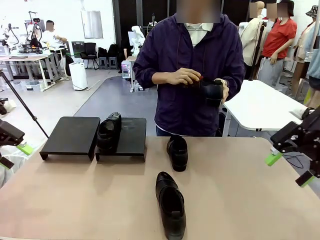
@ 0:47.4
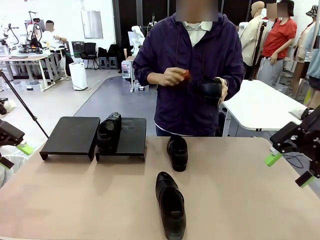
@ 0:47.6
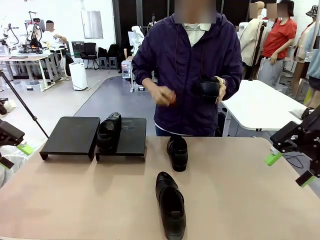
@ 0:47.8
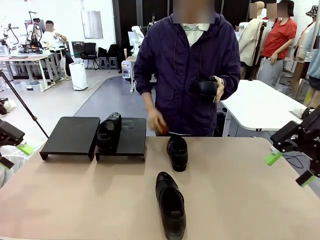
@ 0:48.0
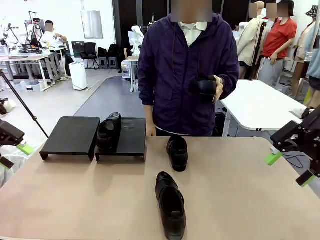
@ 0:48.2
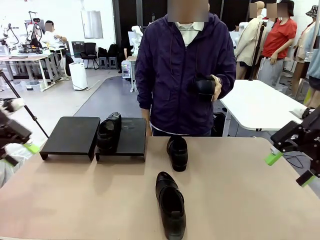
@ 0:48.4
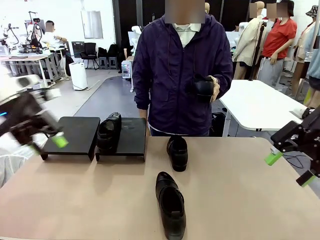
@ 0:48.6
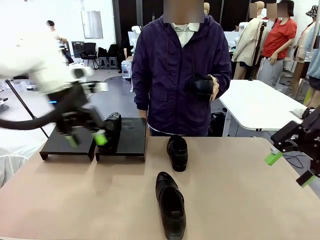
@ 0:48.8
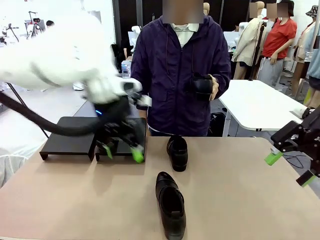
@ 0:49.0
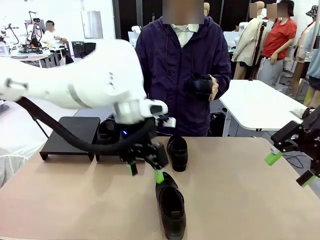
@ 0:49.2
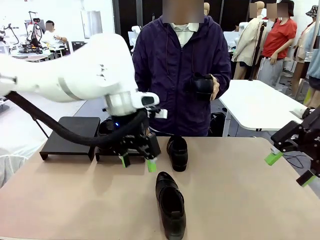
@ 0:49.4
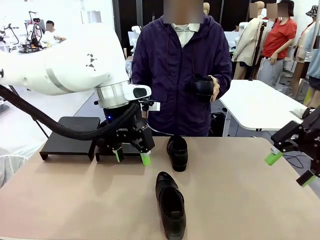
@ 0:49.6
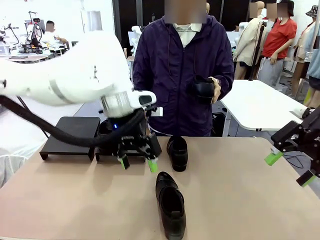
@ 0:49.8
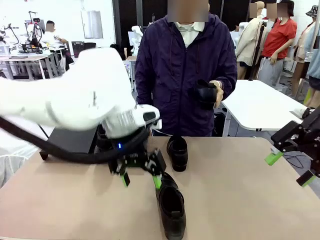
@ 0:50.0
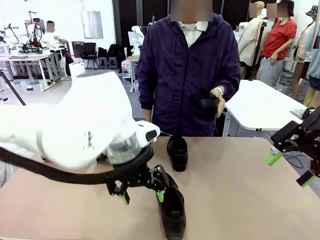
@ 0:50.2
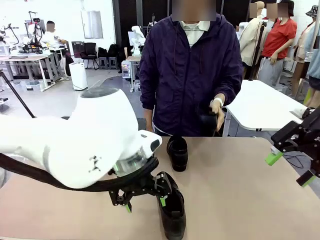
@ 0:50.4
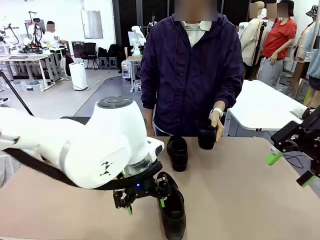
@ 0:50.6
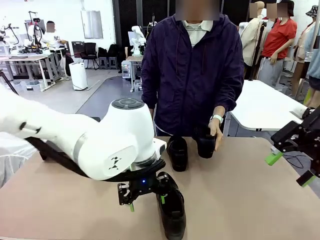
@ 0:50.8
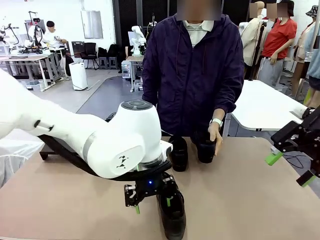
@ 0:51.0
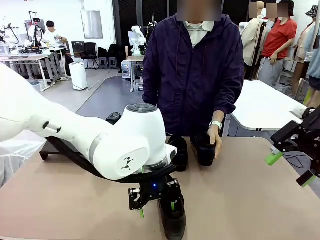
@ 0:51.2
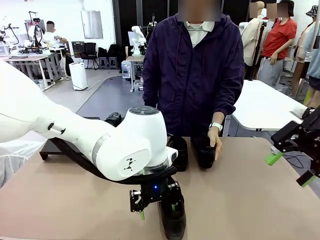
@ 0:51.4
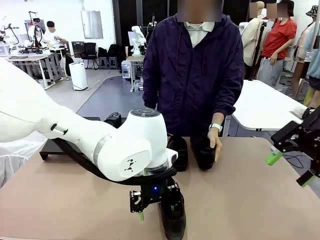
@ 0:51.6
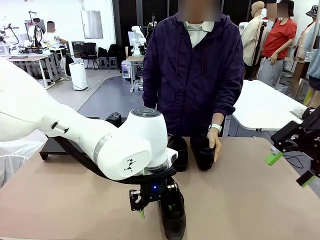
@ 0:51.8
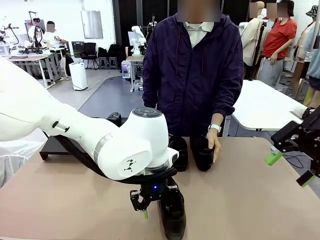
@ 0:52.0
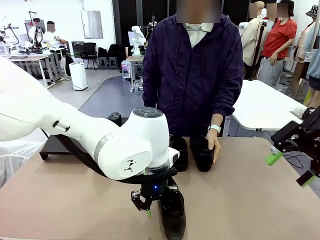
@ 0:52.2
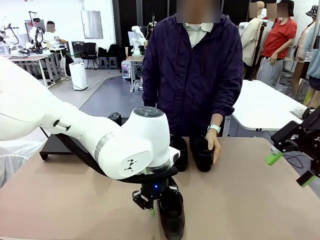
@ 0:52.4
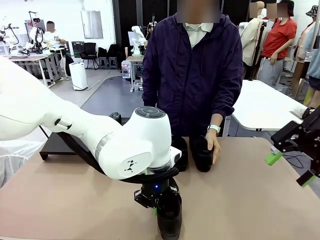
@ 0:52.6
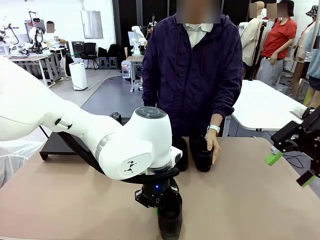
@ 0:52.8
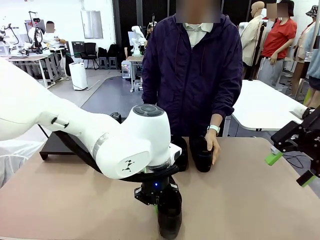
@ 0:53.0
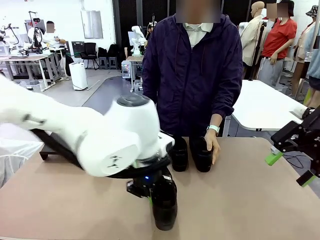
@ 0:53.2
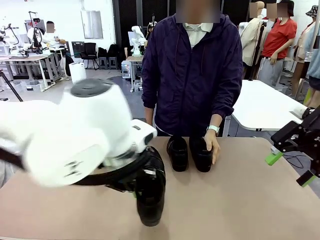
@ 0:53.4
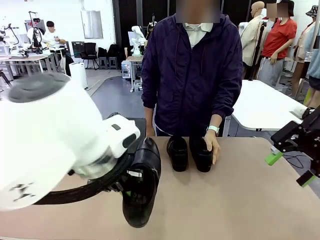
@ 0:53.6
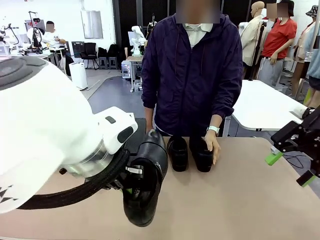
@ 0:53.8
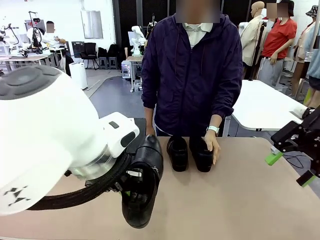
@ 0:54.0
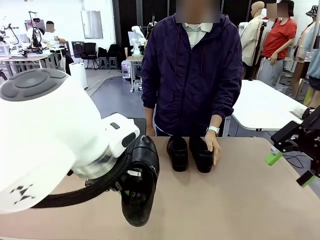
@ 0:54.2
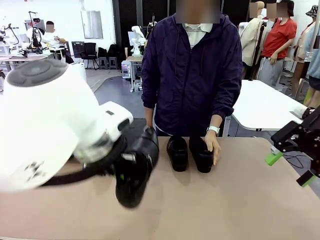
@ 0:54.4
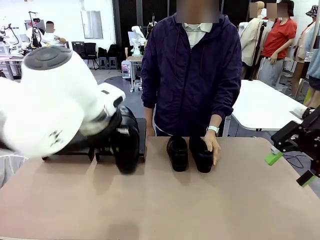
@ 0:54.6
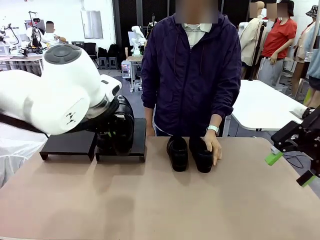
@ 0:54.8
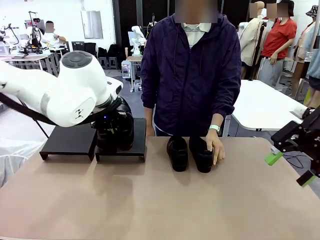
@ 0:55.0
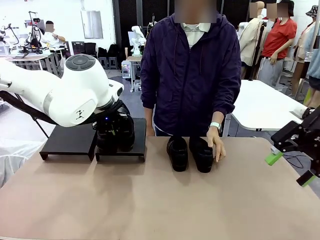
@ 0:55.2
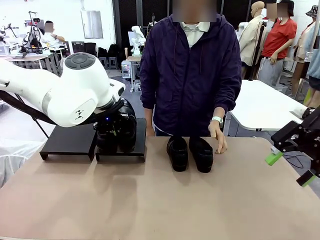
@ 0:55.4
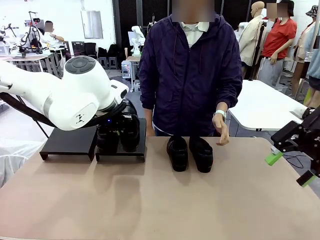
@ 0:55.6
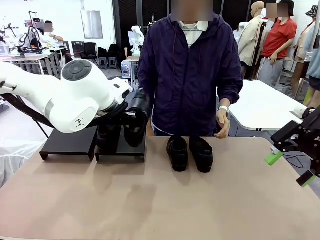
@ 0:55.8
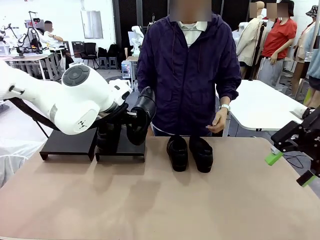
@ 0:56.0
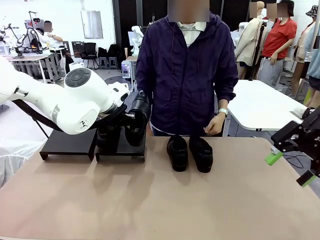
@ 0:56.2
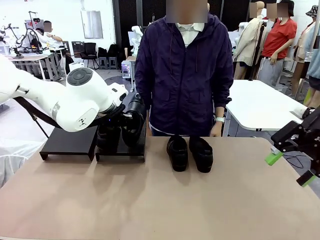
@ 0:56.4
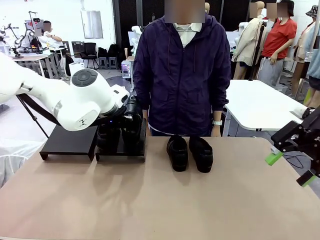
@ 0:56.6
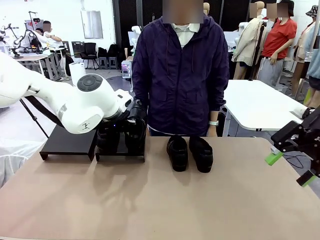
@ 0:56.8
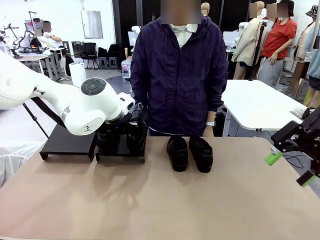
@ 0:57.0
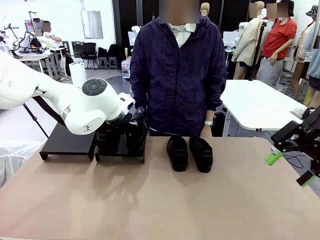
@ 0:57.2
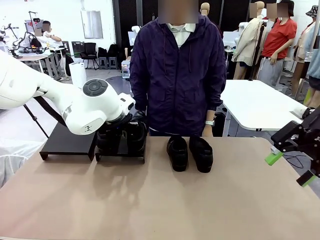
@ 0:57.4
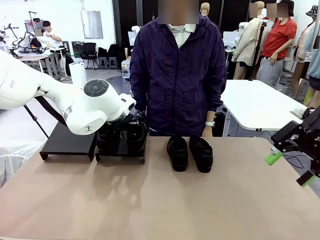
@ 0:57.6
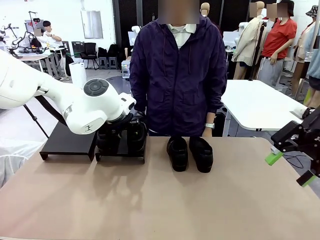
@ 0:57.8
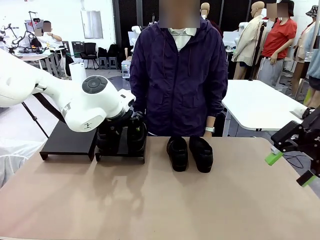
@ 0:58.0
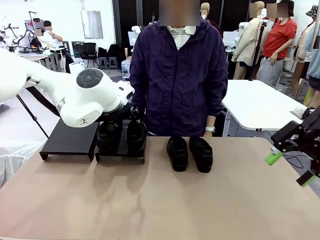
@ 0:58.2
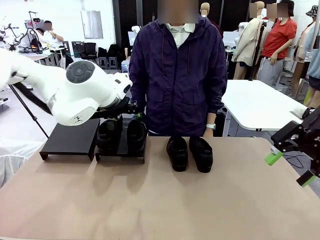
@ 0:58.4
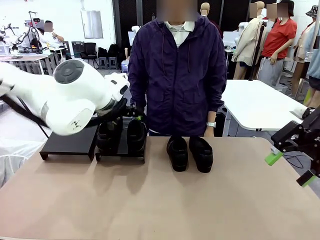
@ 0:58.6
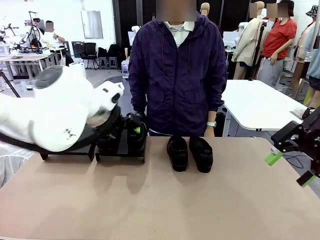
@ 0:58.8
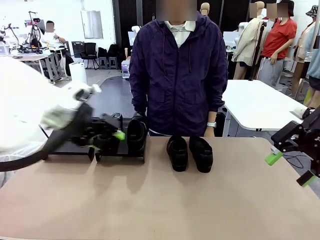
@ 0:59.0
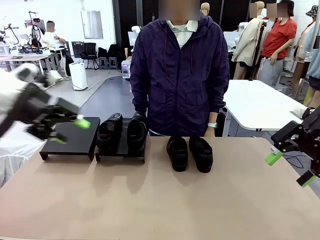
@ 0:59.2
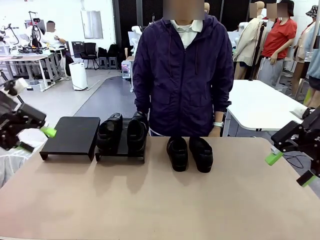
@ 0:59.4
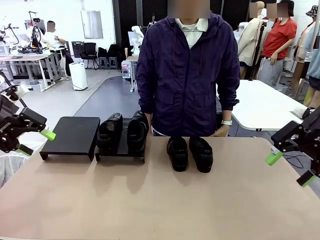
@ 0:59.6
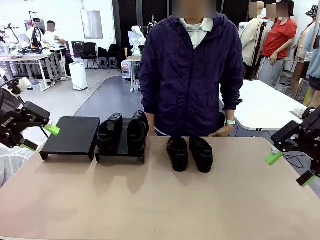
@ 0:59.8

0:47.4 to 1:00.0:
Task: Organize the shoes by placing them on the stand.
Robot: Place the Shoe from the middle of the table onto the Shoes Stand.

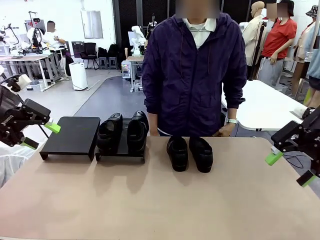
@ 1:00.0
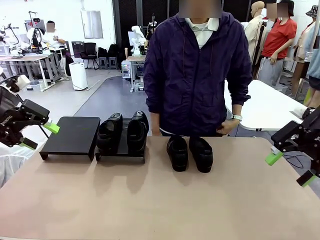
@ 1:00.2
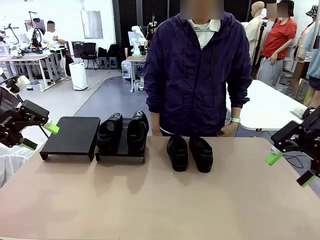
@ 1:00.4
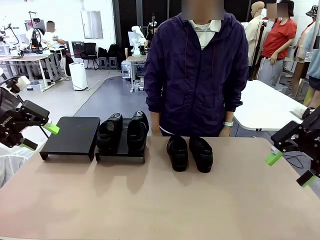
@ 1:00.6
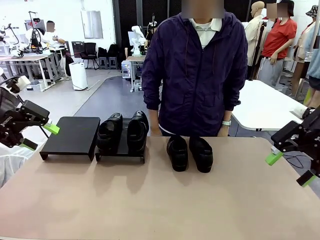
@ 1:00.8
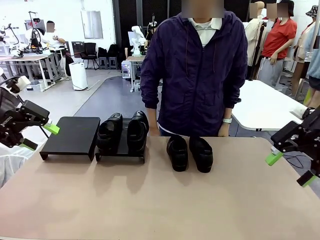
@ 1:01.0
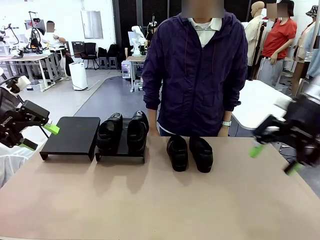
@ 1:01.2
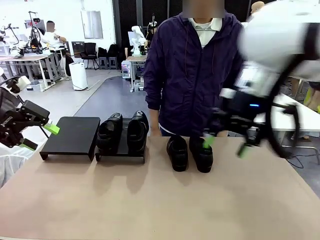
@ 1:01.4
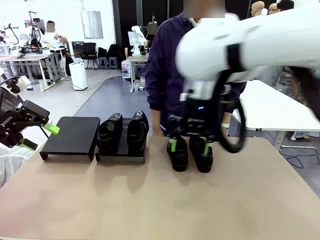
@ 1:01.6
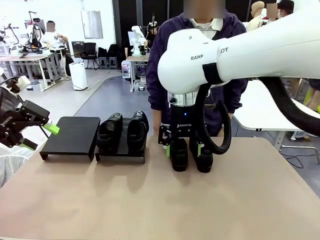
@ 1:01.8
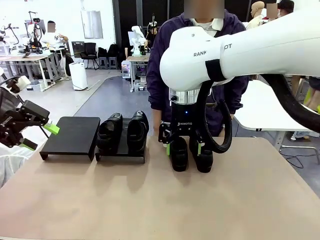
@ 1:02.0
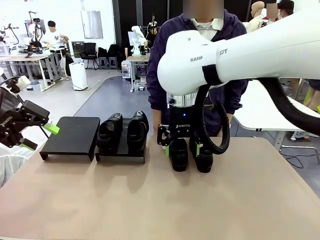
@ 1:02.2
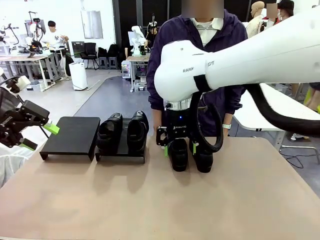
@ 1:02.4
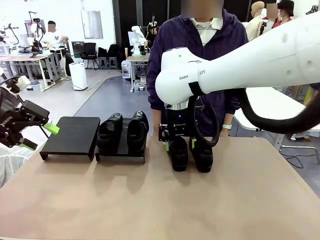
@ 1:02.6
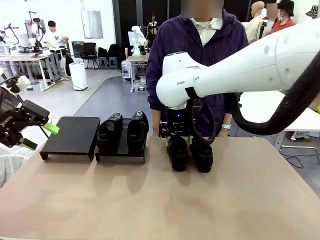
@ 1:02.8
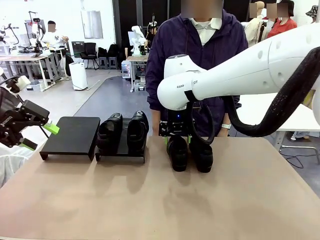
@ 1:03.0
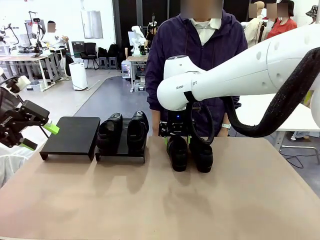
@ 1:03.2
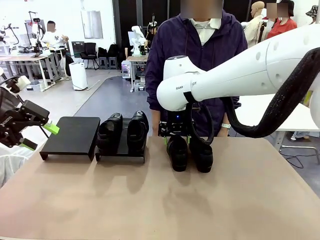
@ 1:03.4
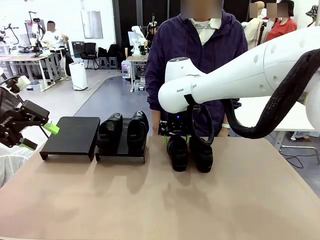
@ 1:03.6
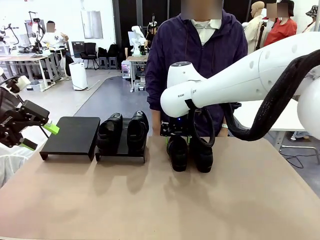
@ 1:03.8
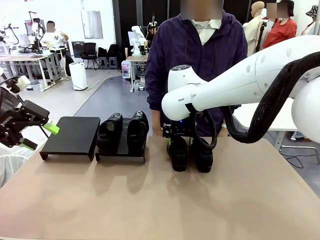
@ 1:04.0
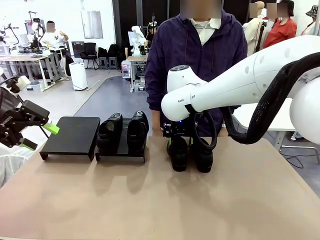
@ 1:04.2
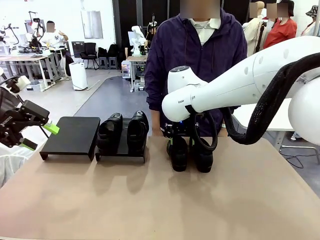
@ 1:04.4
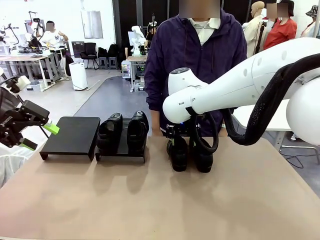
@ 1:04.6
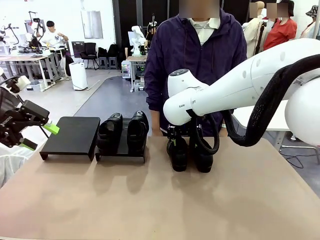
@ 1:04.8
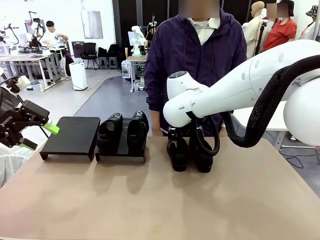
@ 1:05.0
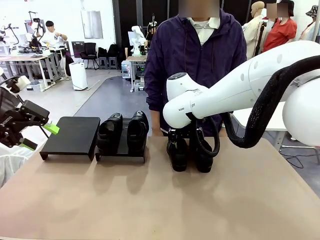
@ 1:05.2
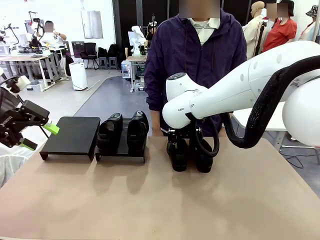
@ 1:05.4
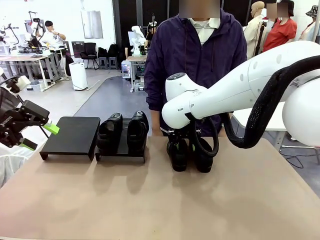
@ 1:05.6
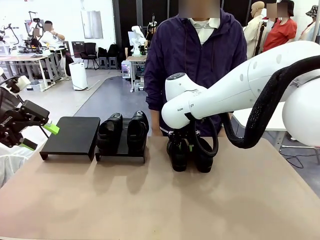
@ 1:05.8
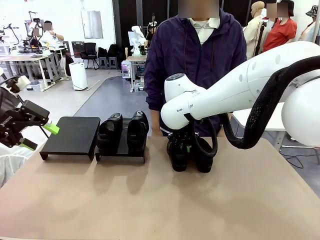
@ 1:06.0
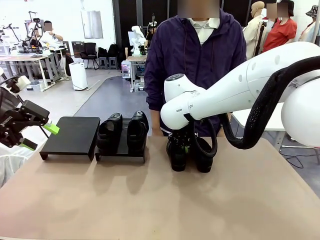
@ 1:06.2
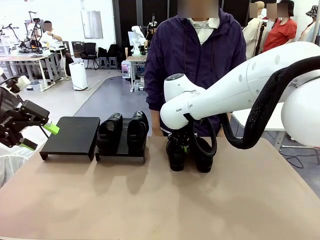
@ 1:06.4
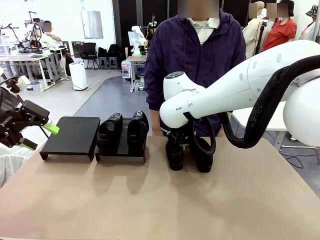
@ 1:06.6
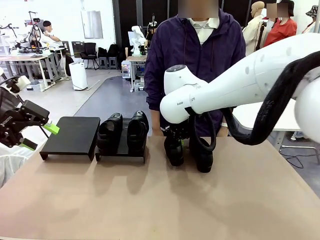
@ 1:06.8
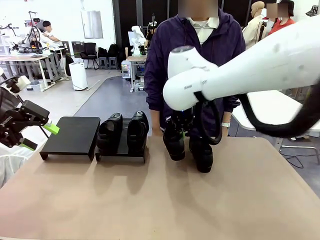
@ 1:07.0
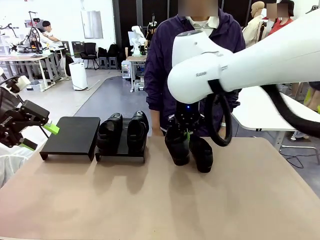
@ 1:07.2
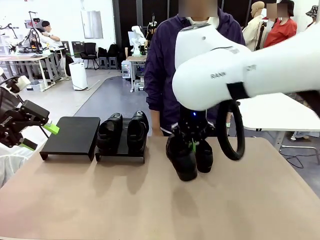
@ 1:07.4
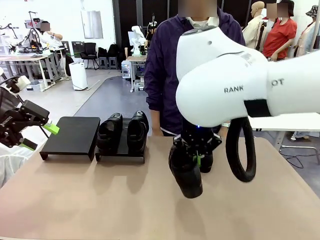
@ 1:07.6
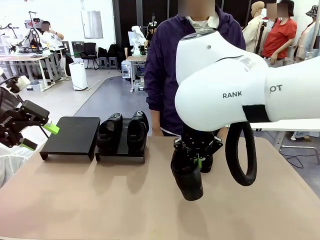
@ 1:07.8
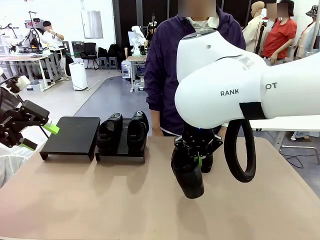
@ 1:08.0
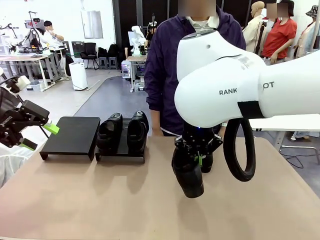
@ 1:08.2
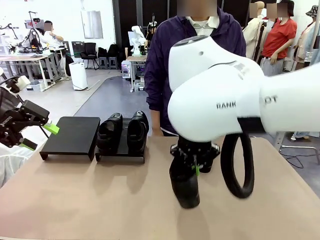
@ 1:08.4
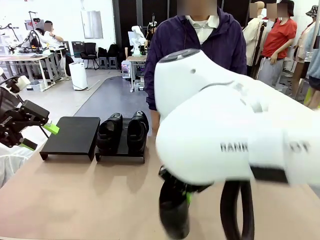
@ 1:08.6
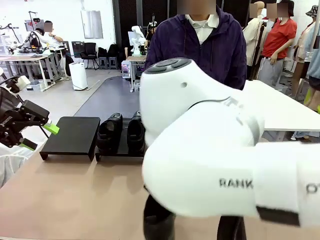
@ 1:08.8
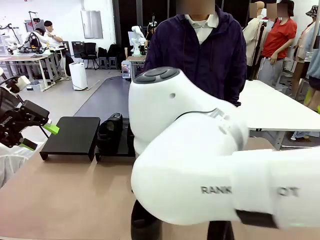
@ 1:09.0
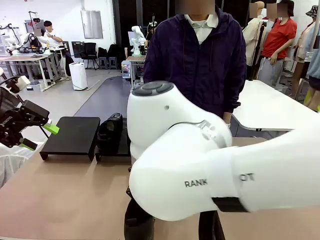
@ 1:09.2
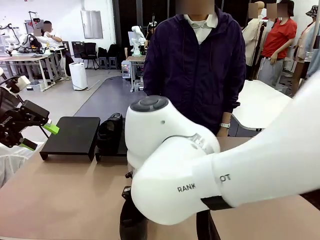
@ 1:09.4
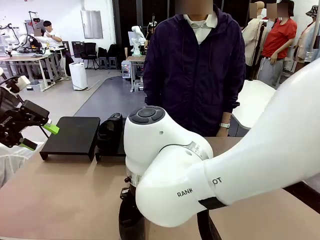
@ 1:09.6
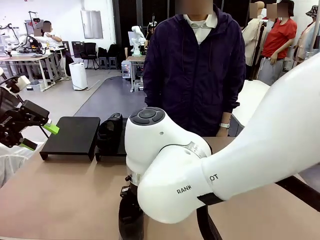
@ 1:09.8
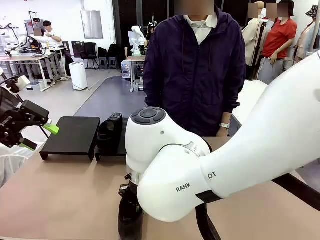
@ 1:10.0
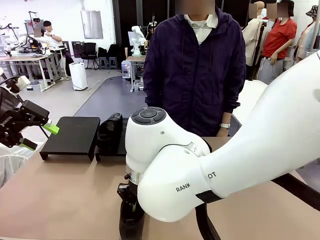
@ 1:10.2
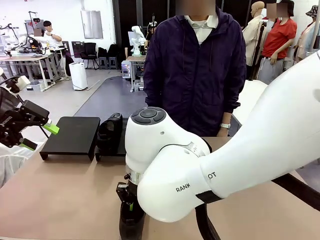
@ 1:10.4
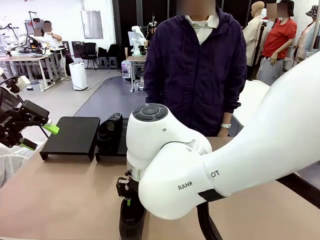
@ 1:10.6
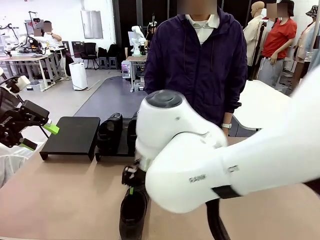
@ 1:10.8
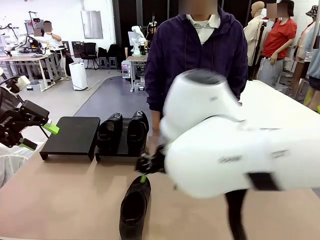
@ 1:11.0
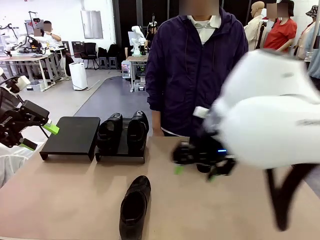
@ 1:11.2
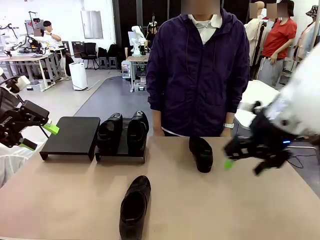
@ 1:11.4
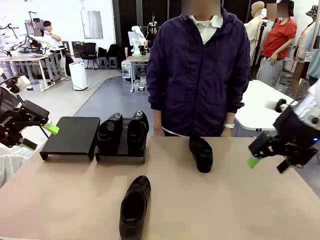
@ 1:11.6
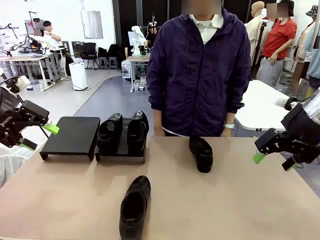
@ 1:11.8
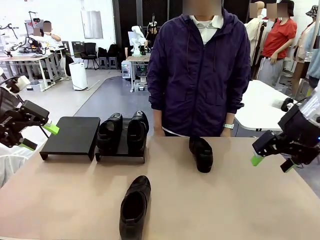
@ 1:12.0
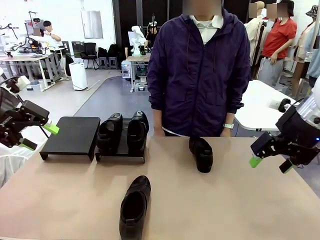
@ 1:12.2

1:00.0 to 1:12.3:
Robot: Pick up one Shoe and place it in the middle of the table.
